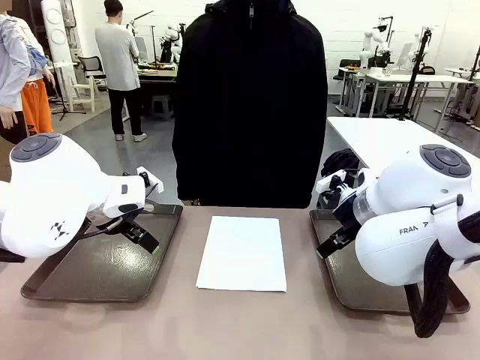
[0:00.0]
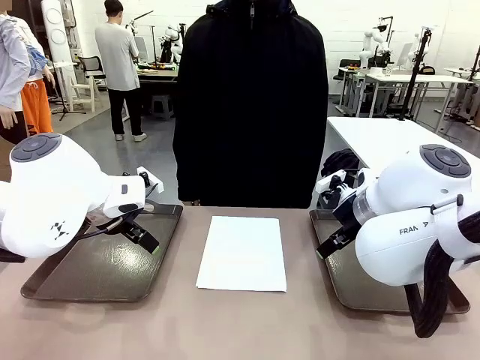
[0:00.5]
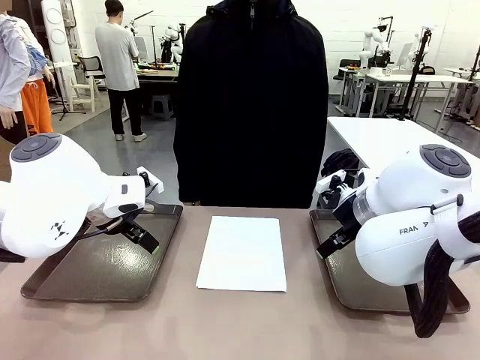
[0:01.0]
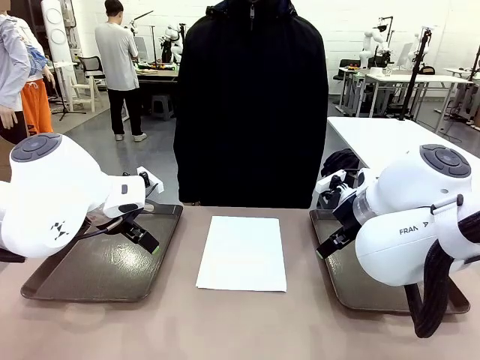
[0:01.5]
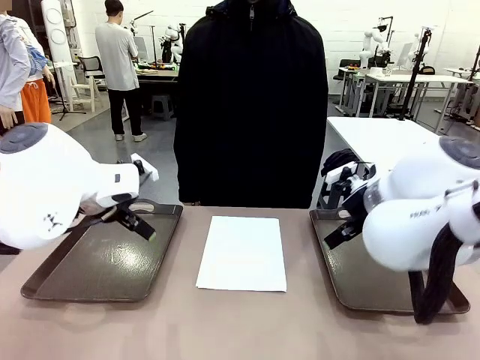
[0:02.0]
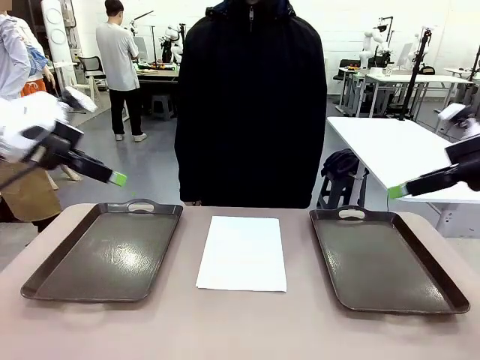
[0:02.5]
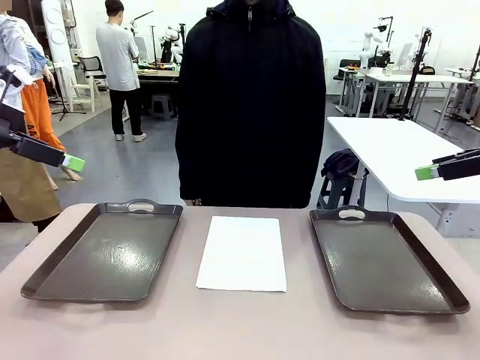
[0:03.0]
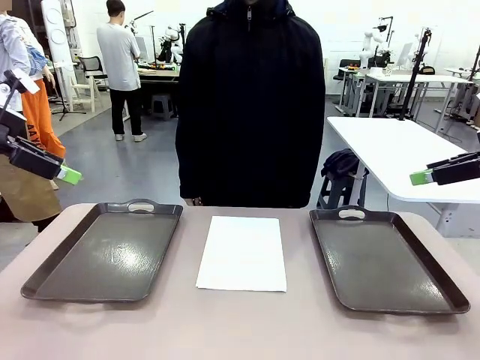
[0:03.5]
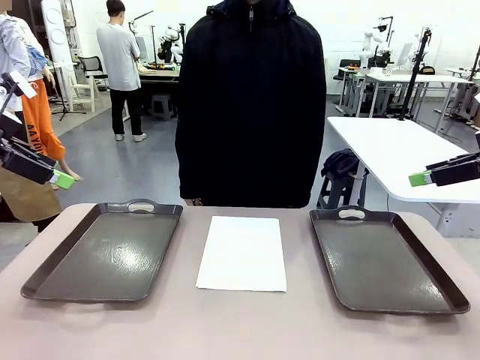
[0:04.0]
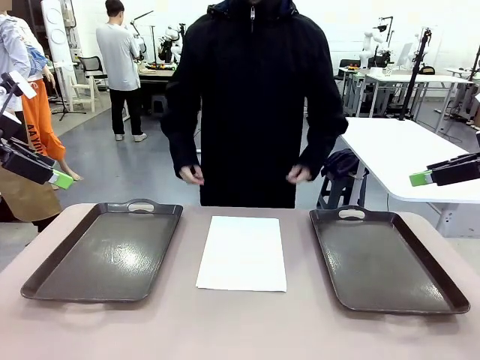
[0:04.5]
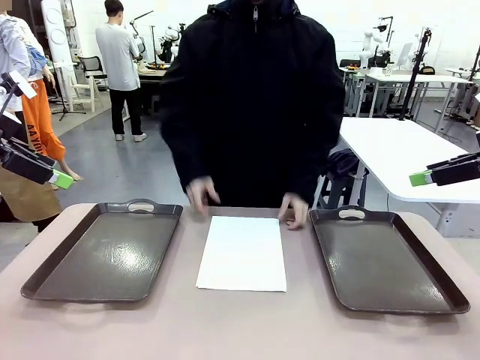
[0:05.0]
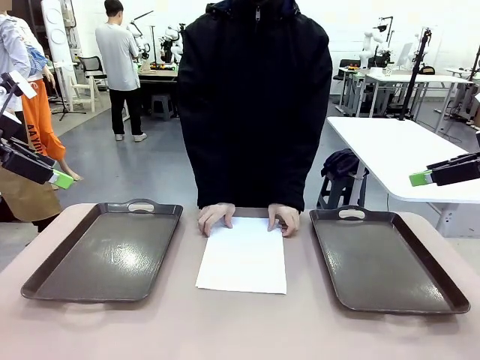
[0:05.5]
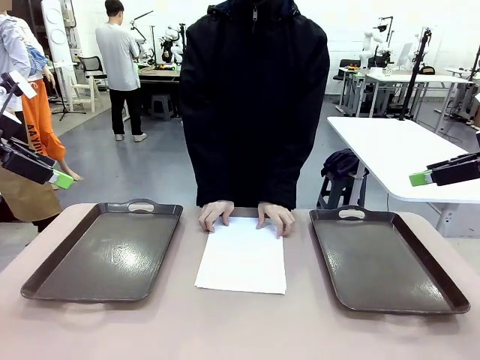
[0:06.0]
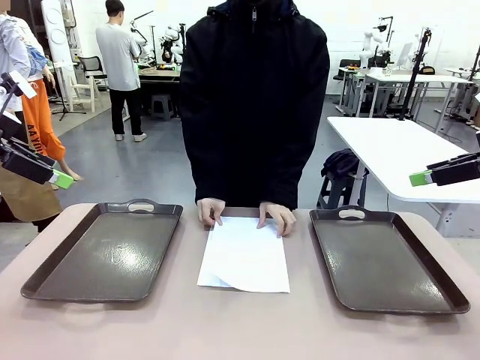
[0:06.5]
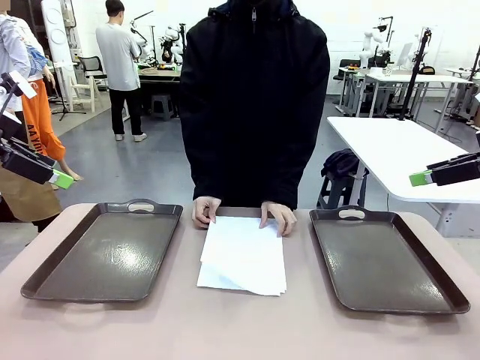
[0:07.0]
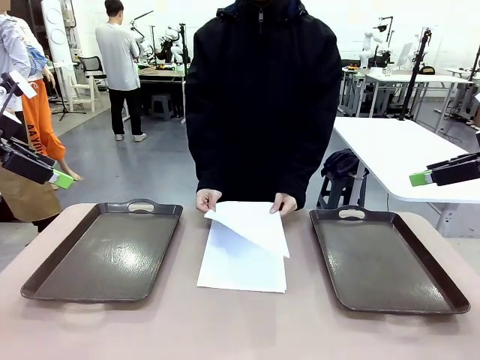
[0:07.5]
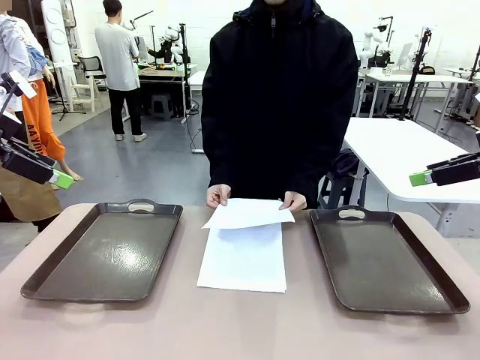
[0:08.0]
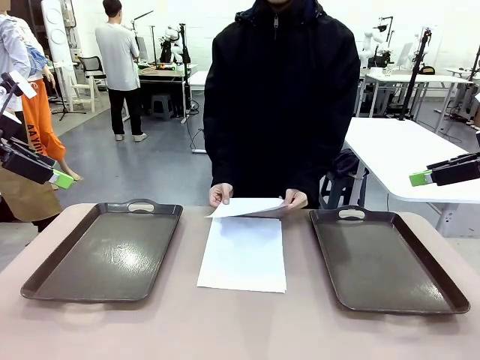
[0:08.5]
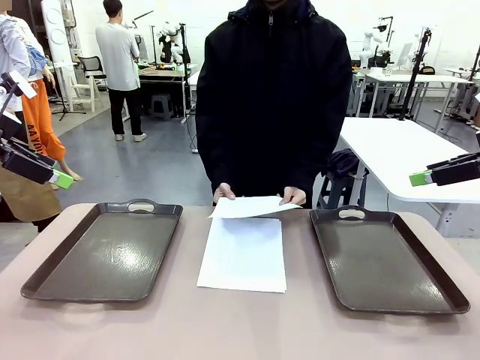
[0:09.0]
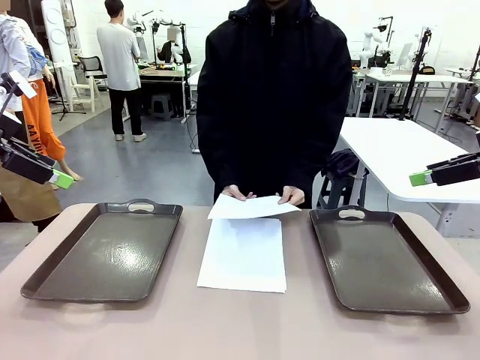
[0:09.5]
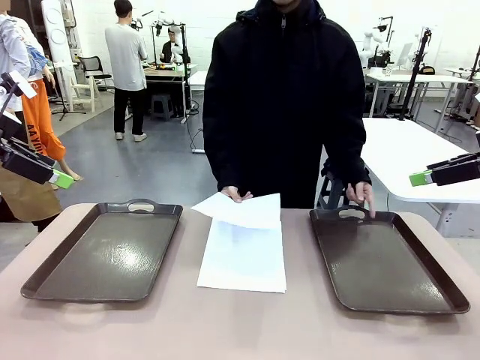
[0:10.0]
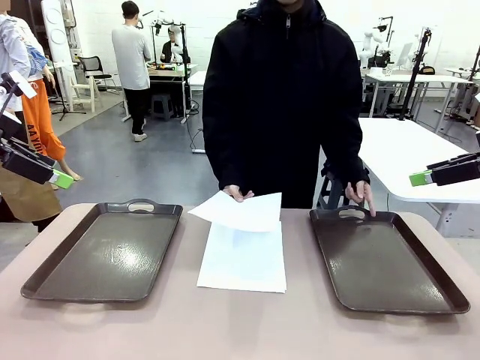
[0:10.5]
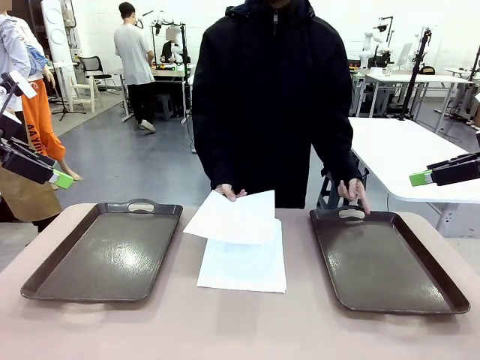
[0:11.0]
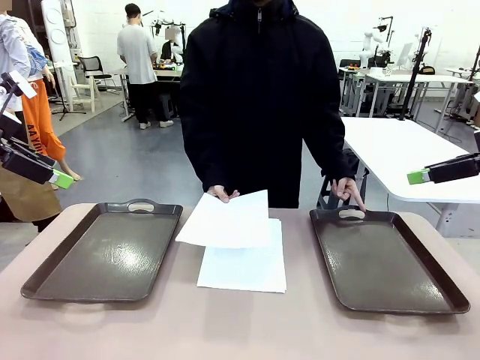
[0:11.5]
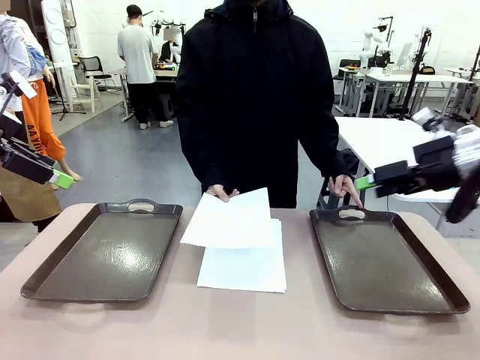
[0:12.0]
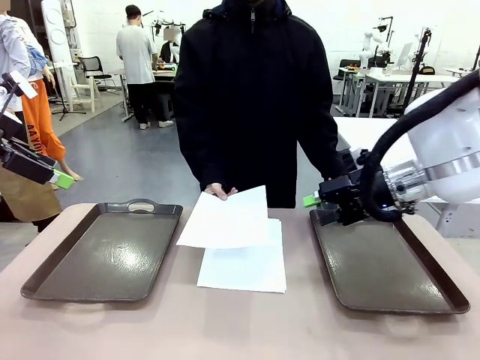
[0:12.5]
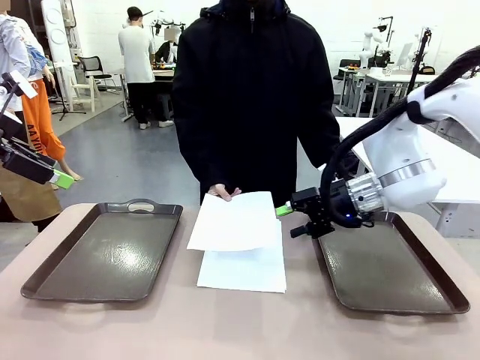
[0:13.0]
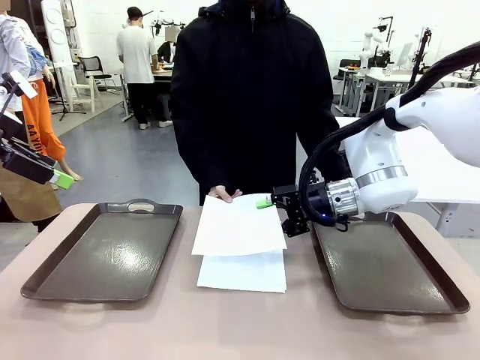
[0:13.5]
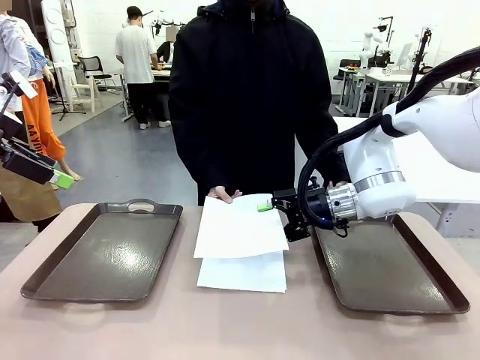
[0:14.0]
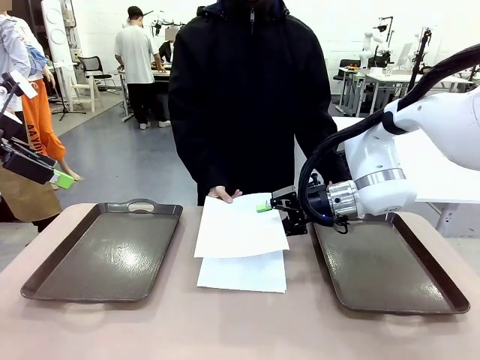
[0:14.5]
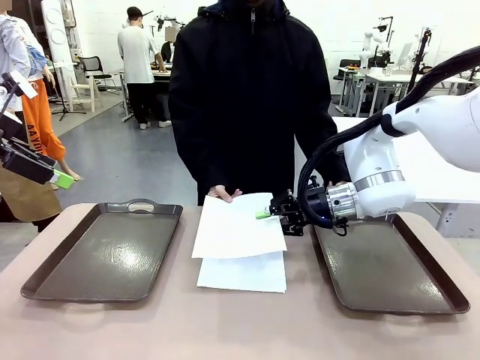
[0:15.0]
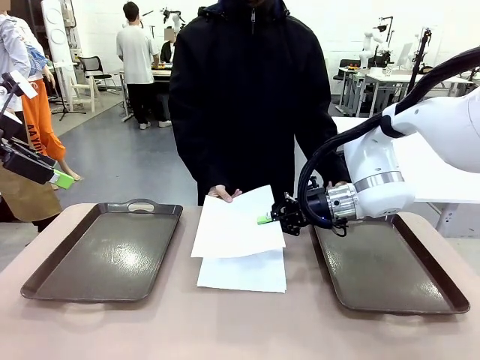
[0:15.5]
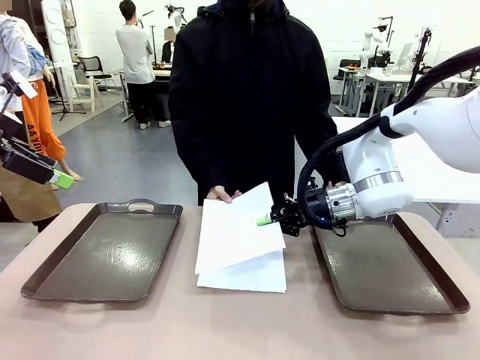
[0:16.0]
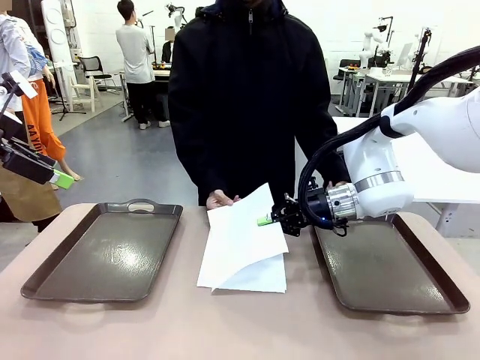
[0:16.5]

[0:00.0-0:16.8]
Task: Sort the A4 documents.
Robot: Receive the A4 Paper.
Person: Pick up a sheet of paper from the center of the table and hand it to the robot. Point the randomly selected tray with the other hand.

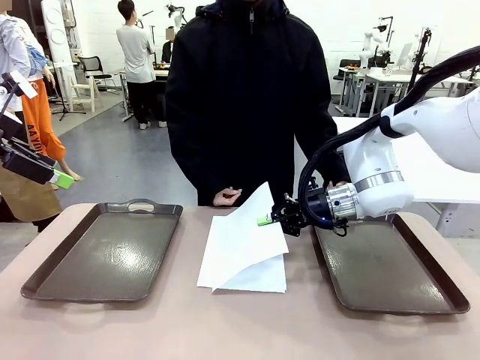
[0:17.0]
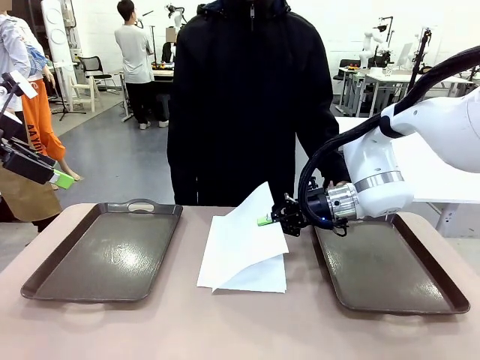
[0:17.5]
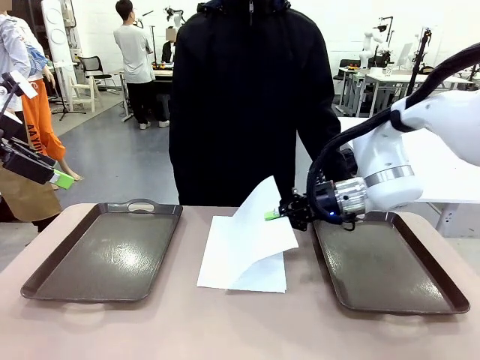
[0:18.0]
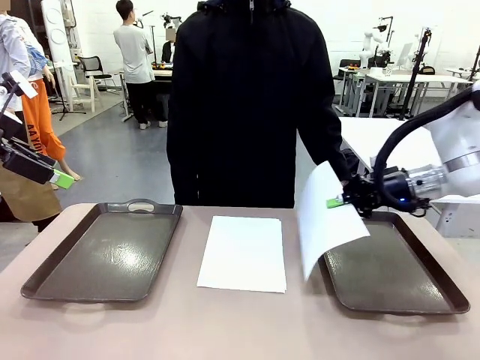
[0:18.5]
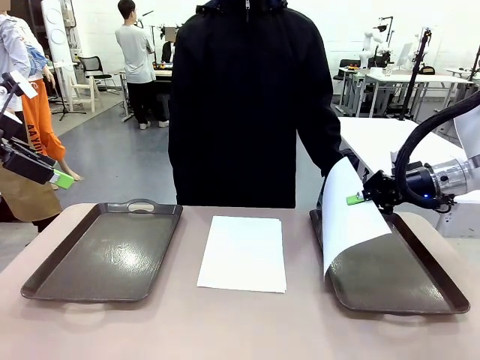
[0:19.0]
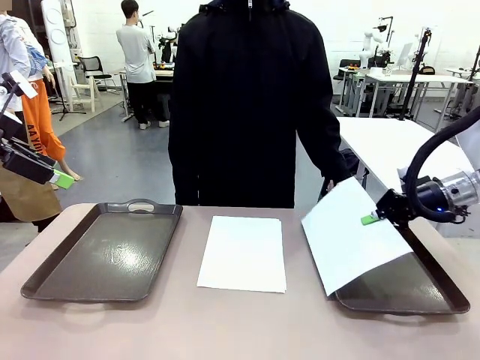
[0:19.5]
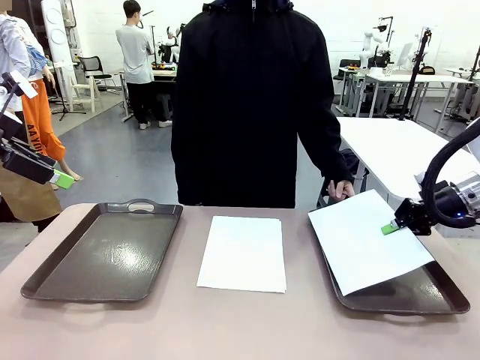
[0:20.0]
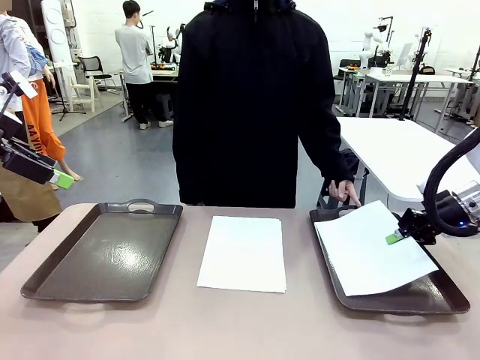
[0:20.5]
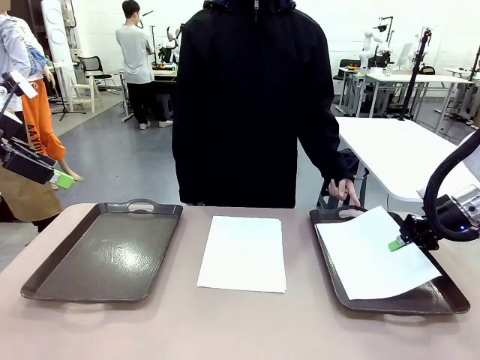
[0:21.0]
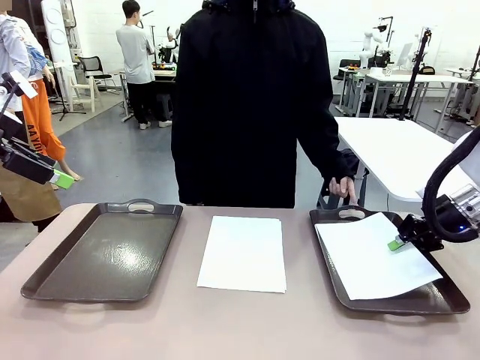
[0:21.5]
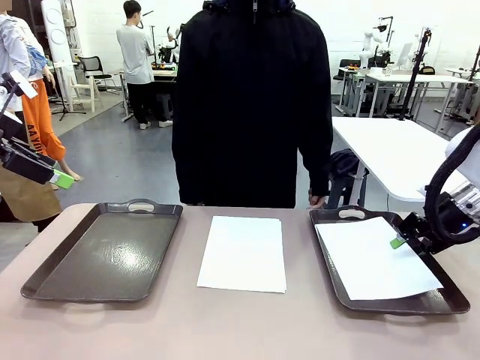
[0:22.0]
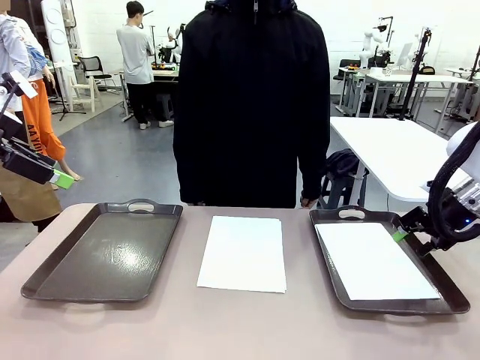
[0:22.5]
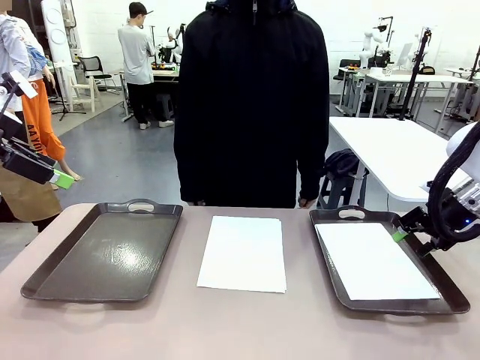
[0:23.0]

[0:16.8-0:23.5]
Robot: Place the A4 Paper in the designated Handle tray.

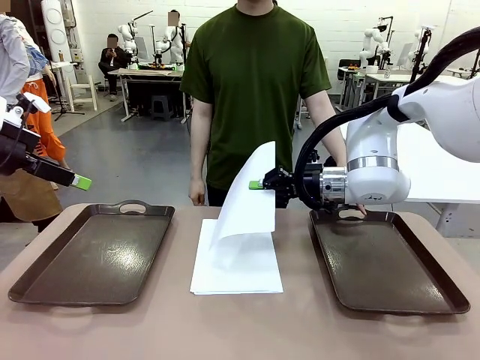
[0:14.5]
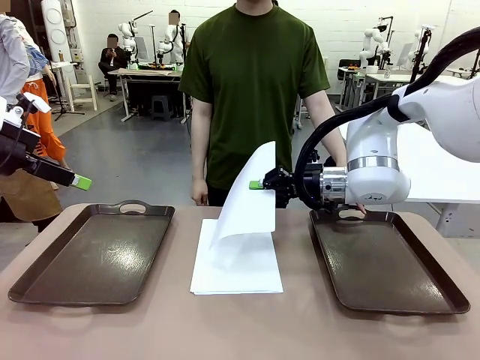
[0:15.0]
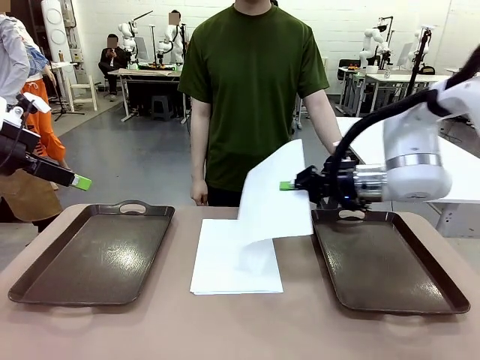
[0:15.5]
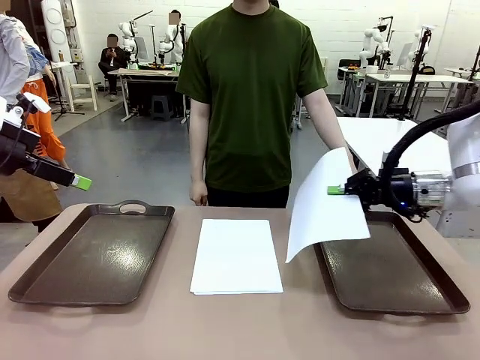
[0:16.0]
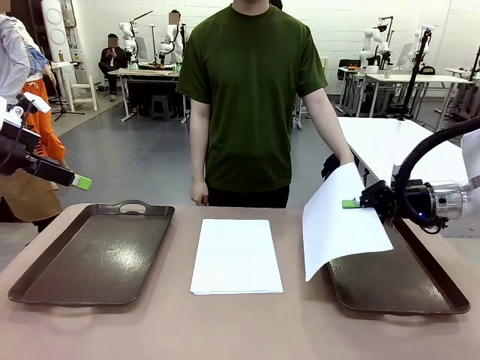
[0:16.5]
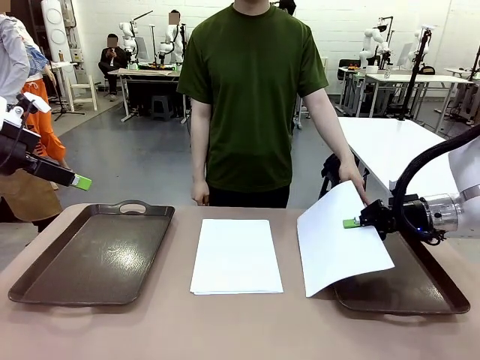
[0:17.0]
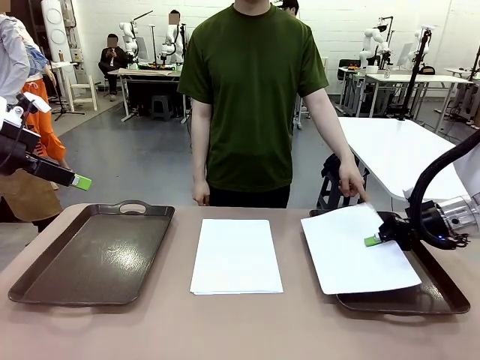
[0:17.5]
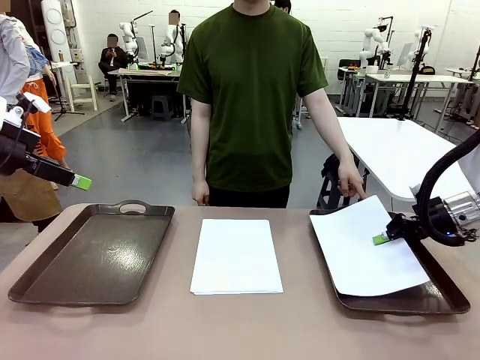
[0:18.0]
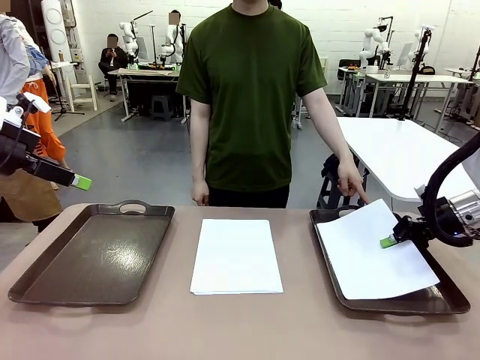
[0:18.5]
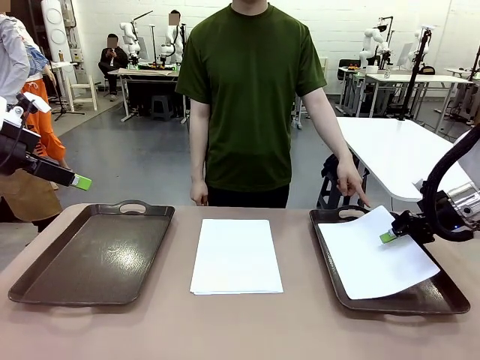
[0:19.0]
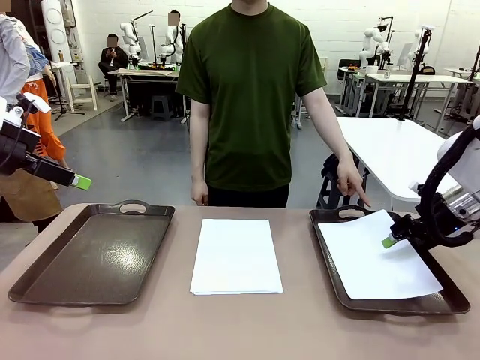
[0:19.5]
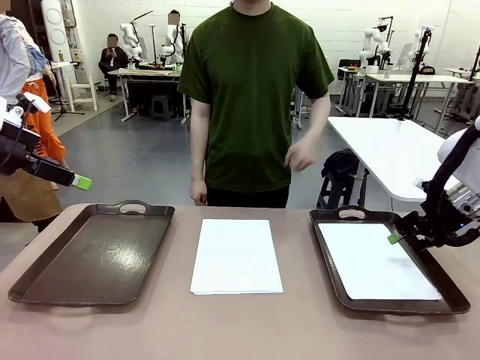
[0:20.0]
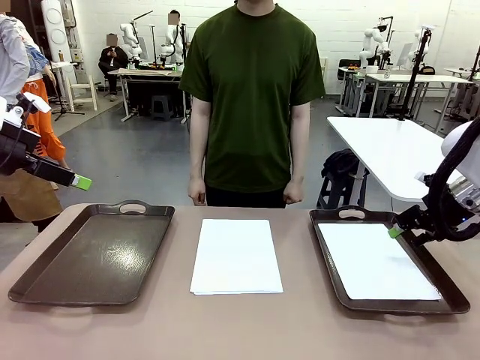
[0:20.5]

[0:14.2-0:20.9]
Task: Sort the A4 documents.
Robot: Place the A4 Paper in the designated Handle tray.
